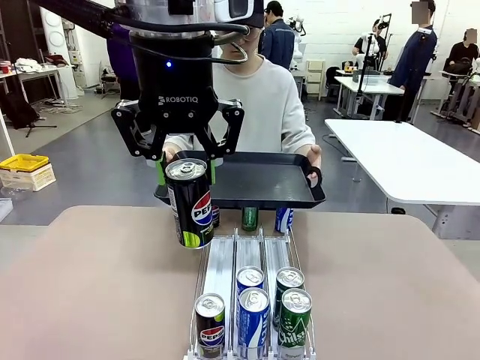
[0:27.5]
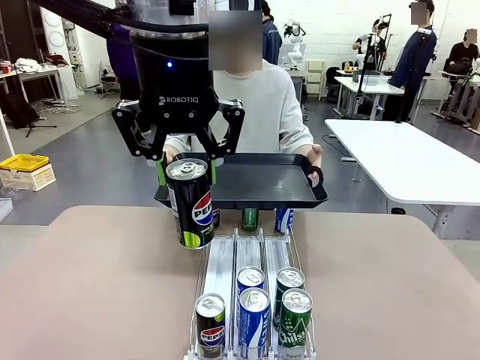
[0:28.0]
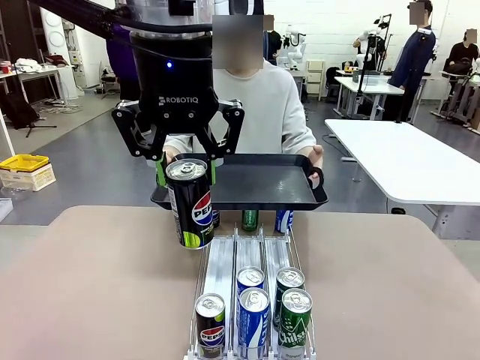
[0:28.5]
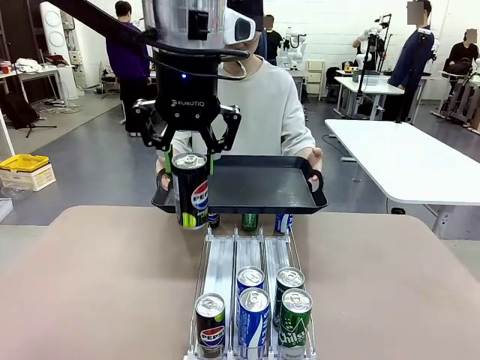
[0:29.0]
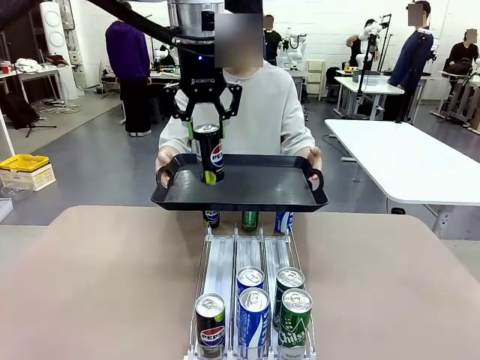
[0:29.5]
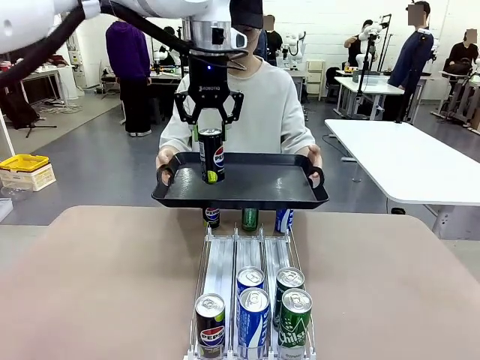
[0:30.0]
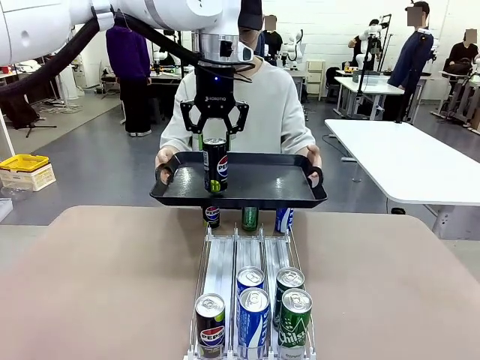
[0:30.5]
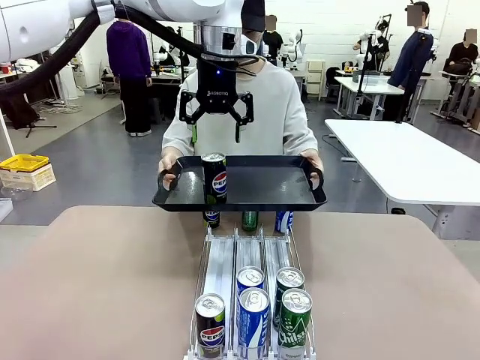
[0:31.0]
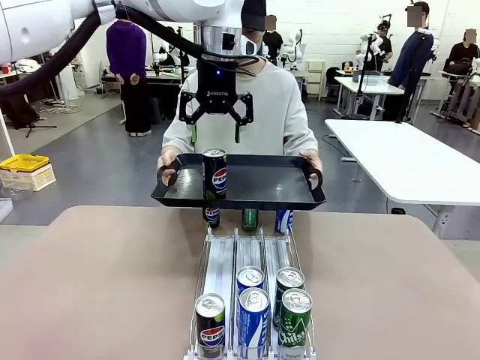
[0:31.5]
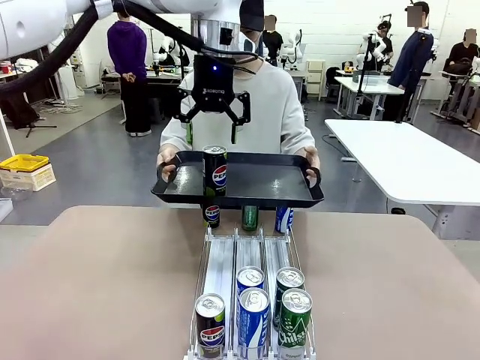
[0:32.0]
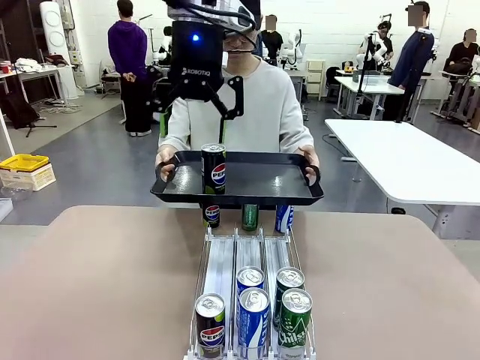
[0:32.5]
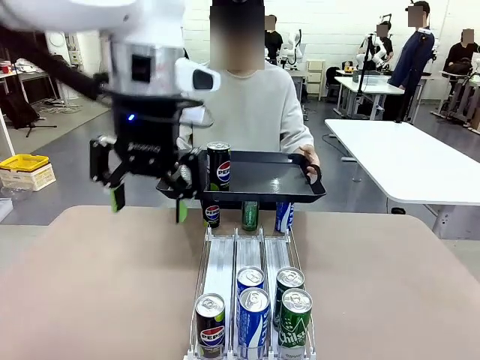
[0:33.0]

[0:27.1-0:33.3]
Task: Retrieve and hand over the desired beverage to the person.
Robot: Place the picked can on the Handle tray extended by the person.

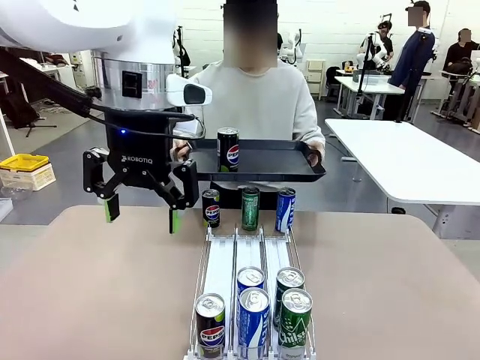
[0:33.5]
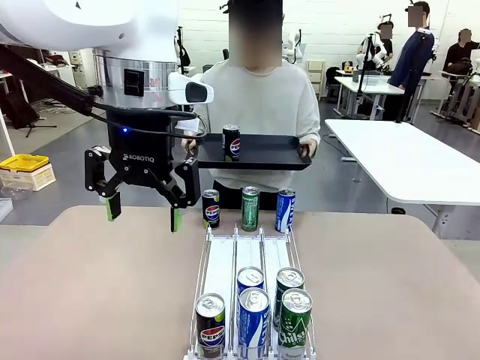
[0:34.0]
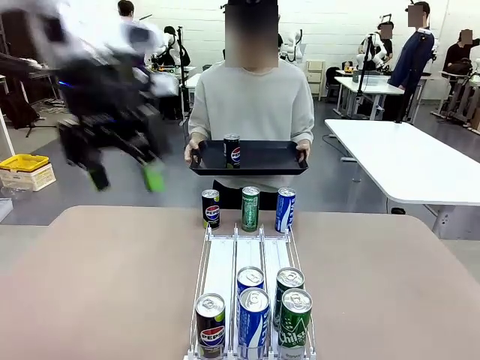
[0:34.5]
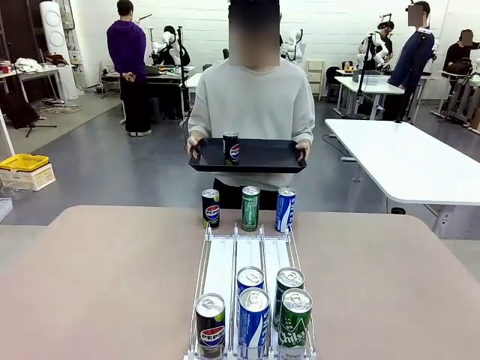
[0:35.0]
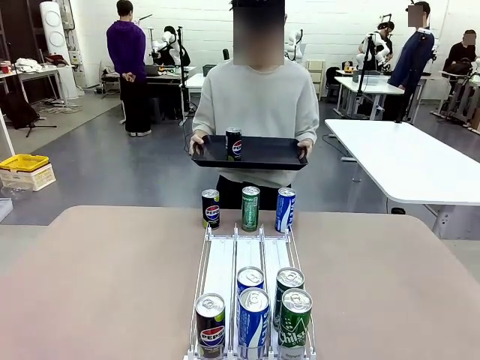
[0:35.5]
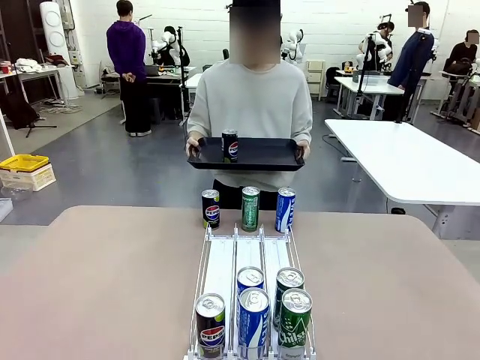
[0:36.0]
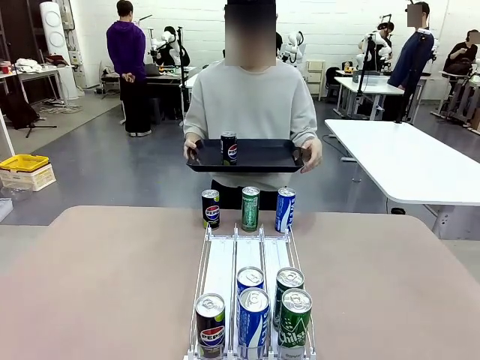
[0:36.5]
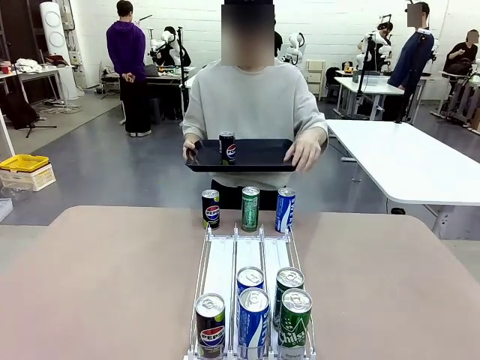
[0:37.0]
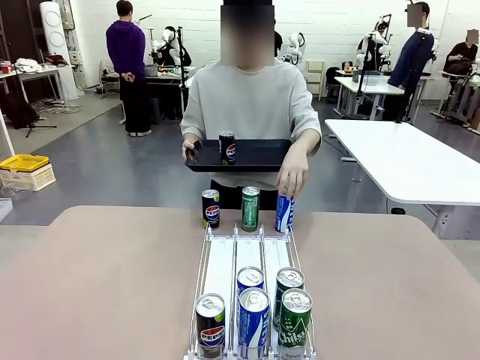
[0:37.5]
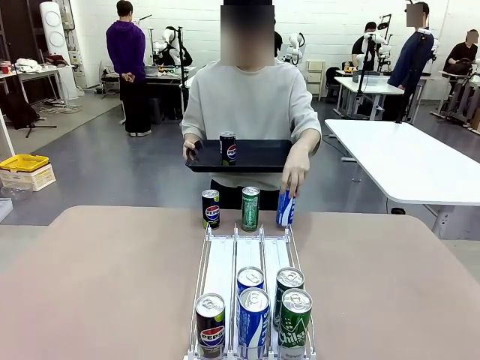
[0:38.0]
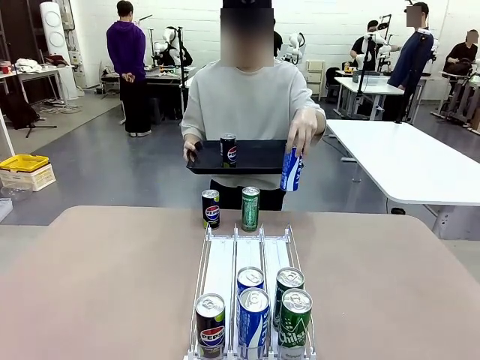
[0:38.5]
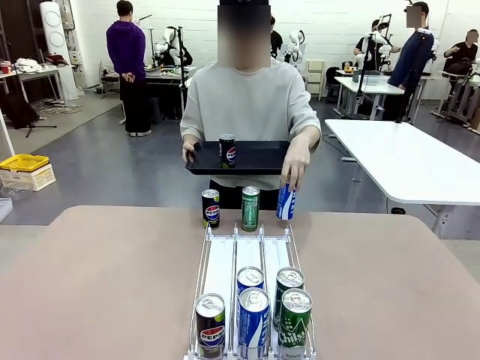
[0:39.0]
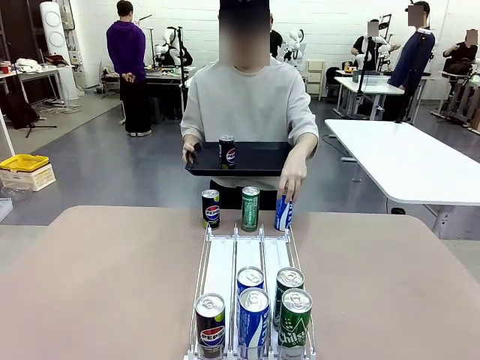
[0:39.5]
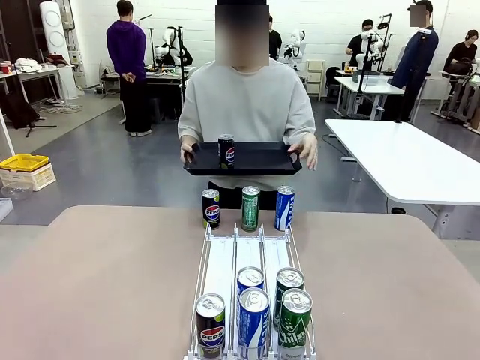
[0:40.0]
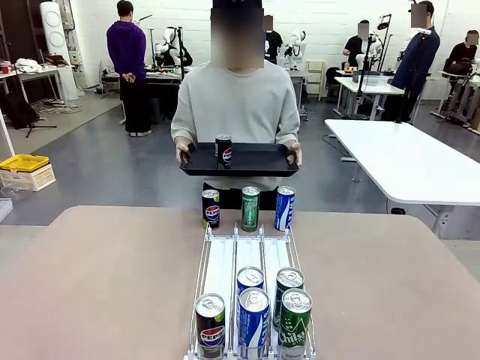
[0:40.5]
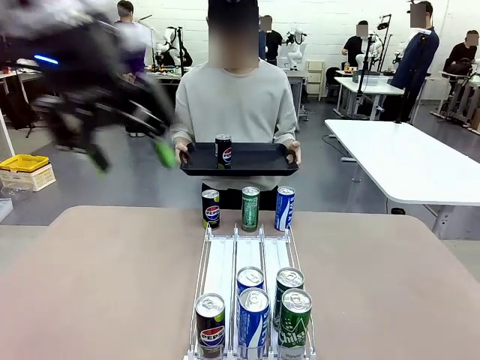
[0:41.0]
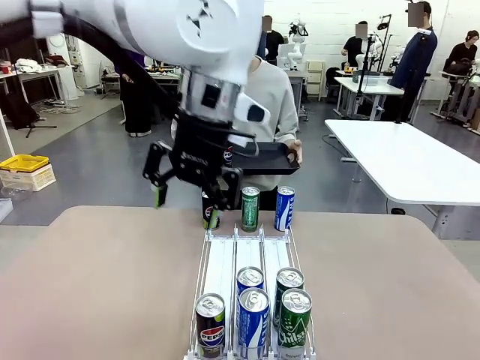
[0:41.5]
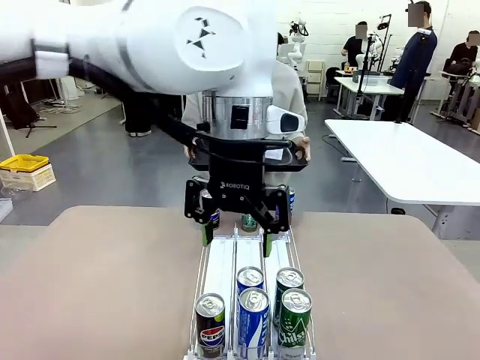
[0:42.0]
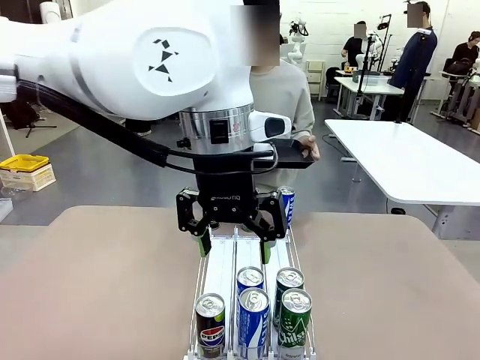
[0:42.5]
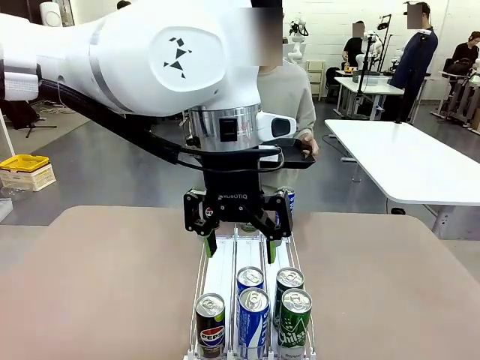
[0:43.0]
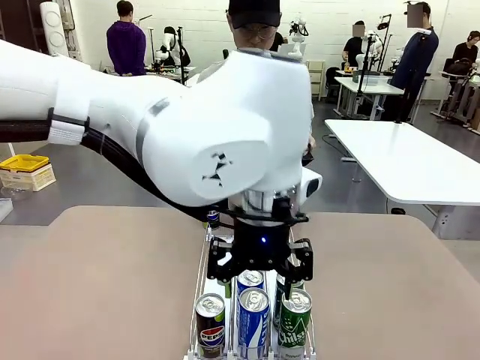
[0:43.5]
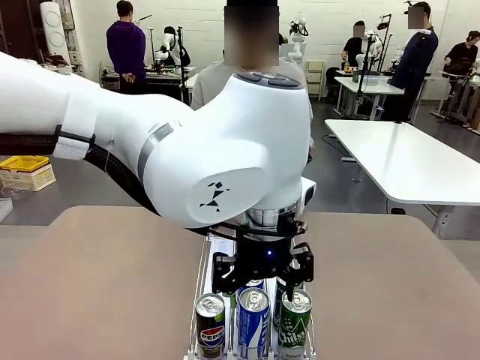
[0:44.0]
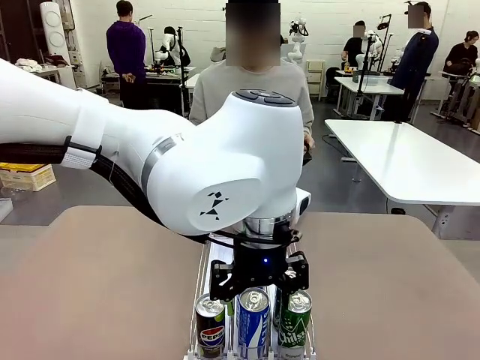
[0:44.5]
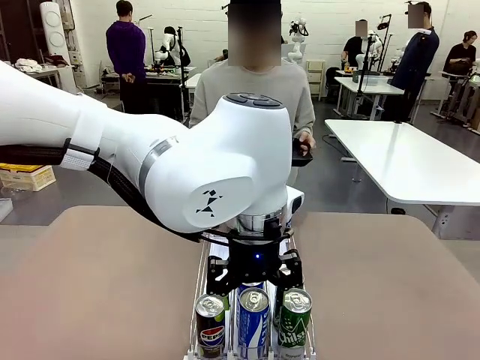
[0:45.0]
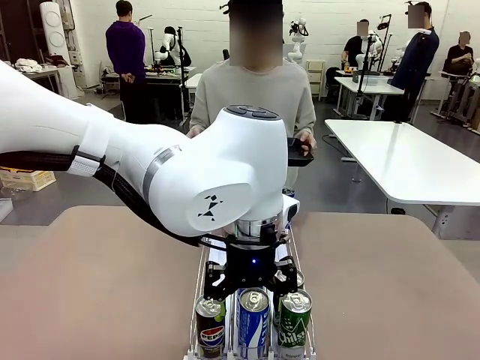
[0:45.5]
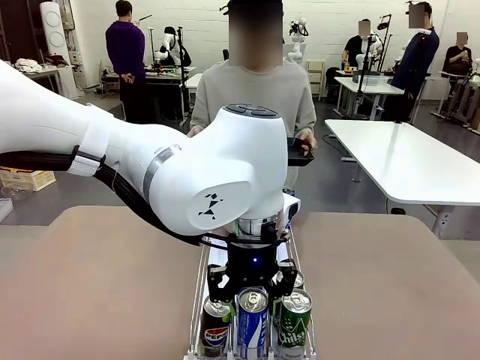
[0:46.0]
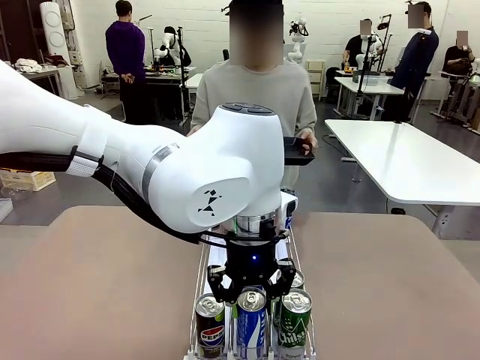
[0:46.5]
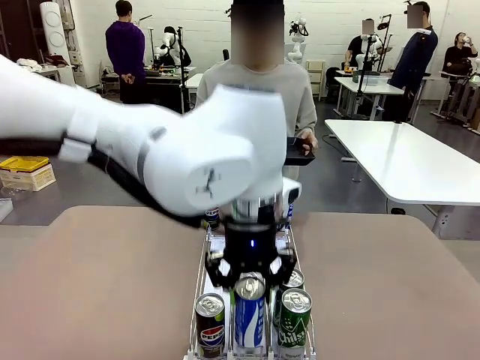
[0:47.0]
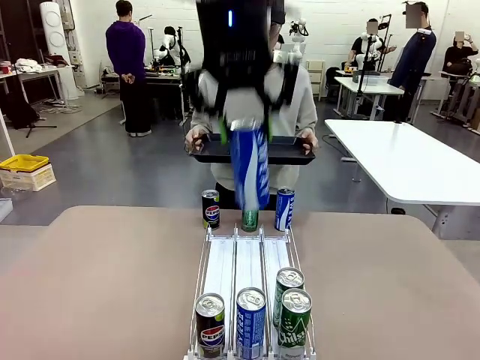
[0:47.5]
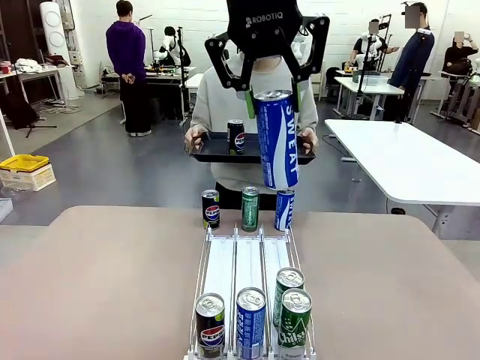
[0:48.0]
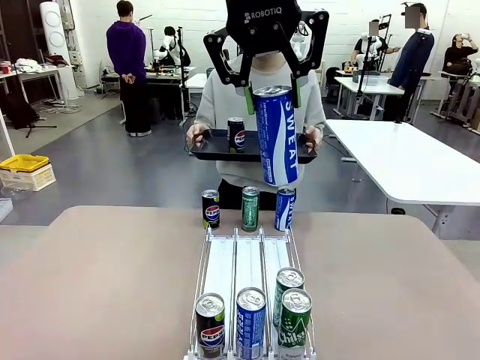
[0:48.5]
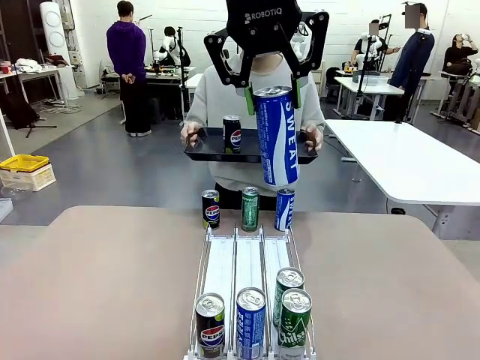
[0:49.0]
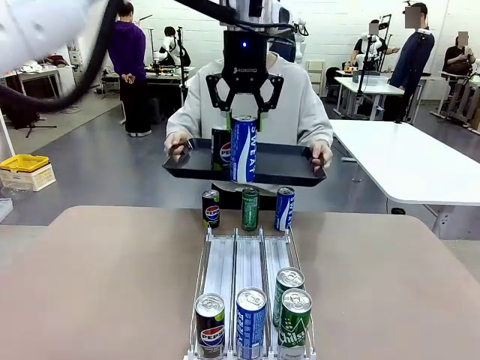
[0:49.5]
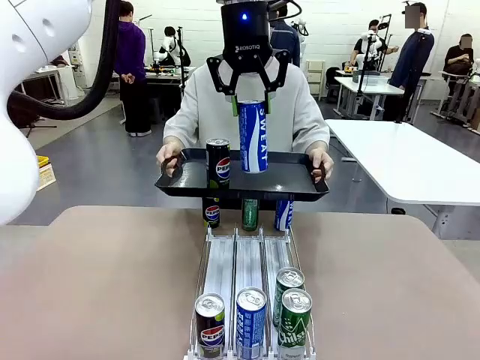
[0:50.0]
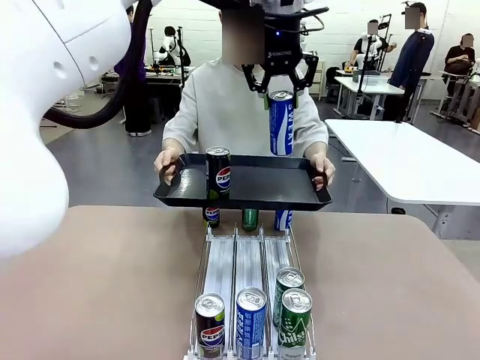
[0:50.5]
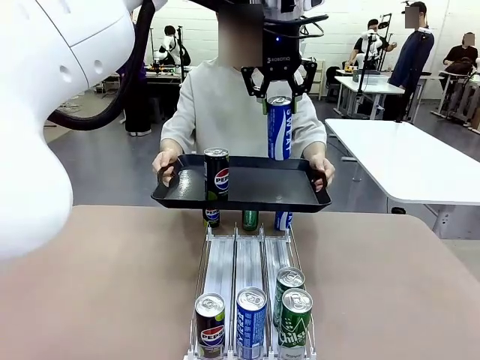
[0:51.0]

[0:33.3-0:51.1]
Robot: Pick up another can of the same type that the person held from the Automatic Can Dispenser.
Person: Pull the tray back, then pick up another can from the bottom area of the table and puts it back in its original place. Push the tray toward the robot again.

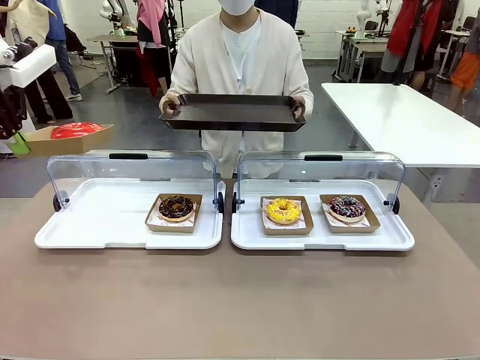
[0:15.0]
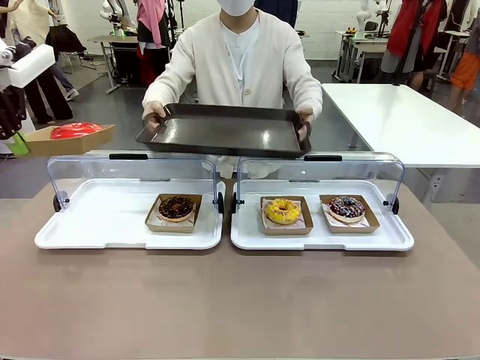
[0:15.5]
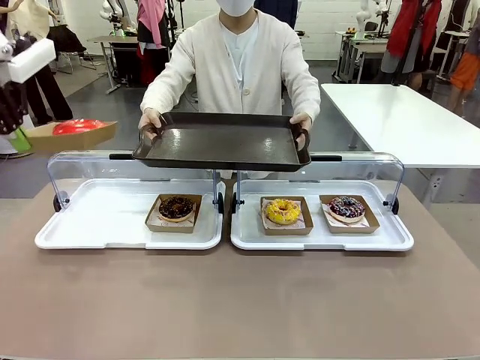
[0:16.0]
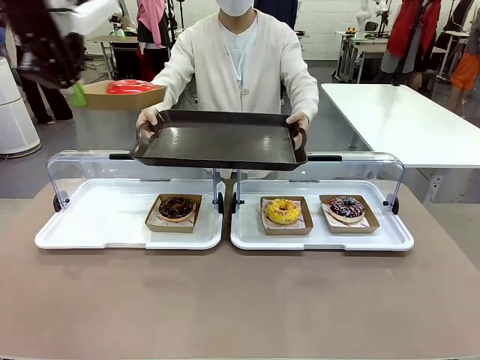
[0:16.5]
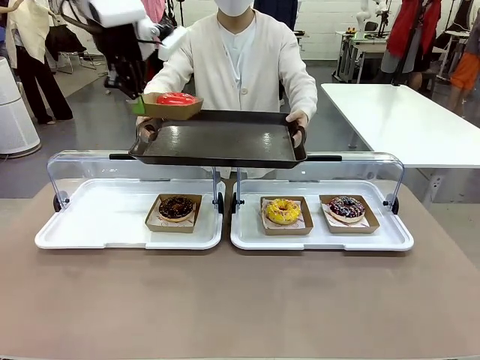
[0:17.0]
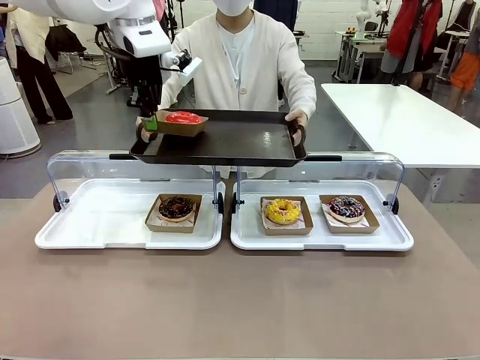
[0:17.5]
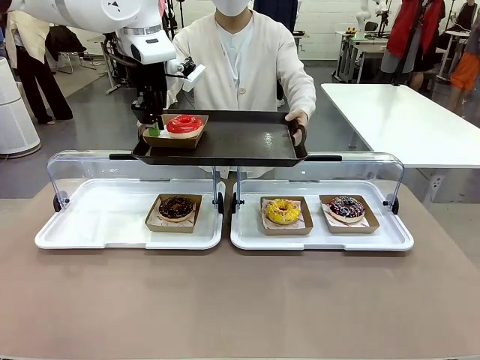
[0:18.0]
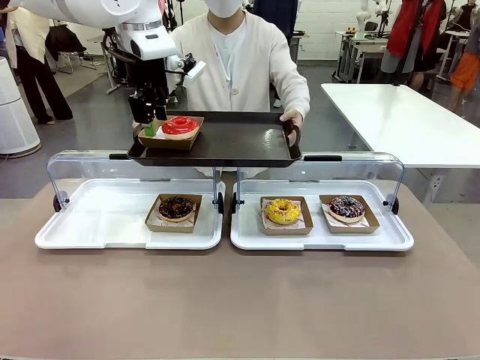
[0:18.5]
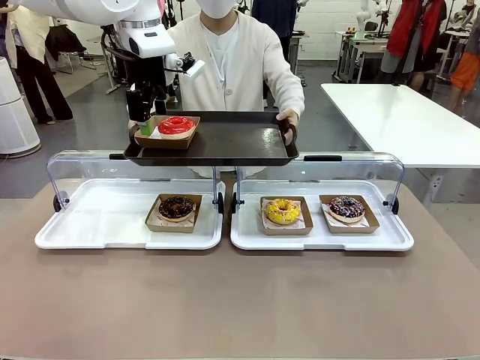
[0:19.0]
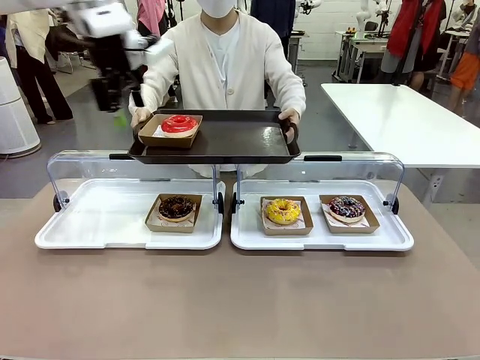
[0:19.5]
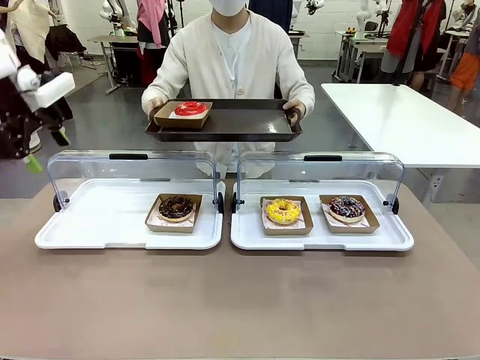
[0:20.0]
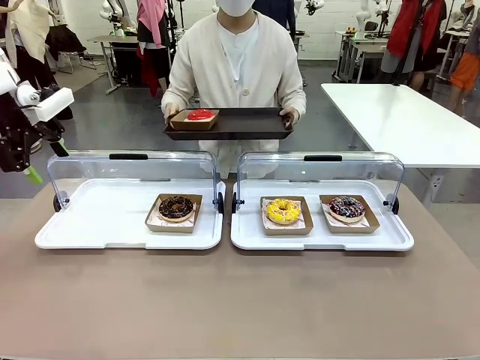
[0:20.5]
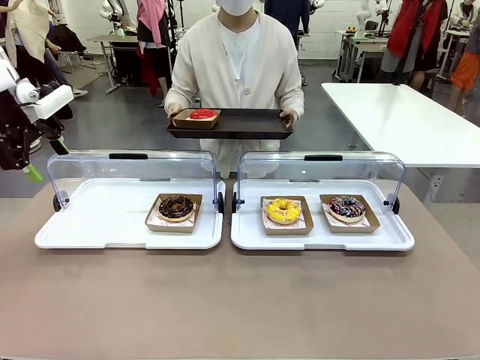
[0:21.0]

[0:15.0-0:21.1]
Task: Provide the desired donut to the person.
Robot: Place the picked Paper togo box onto the Handle tray extended by the person.
